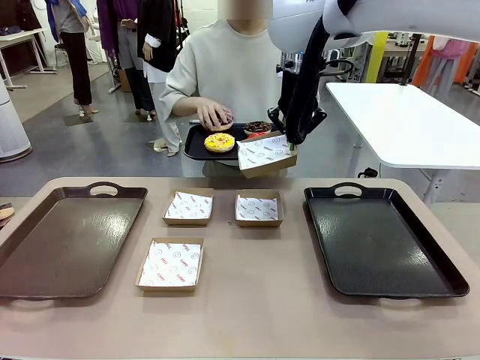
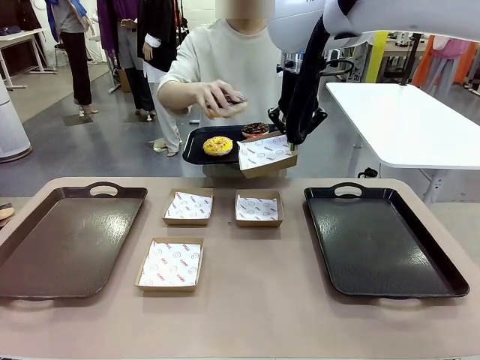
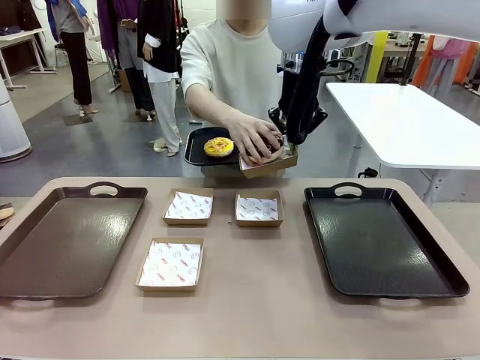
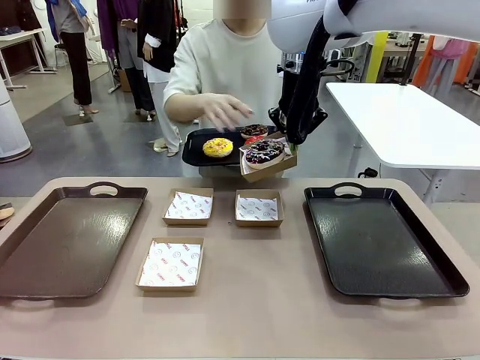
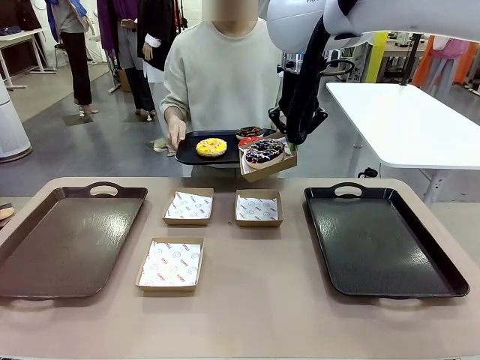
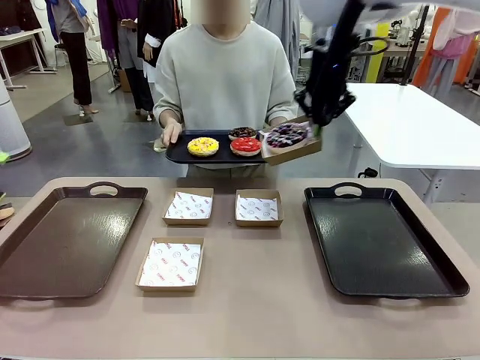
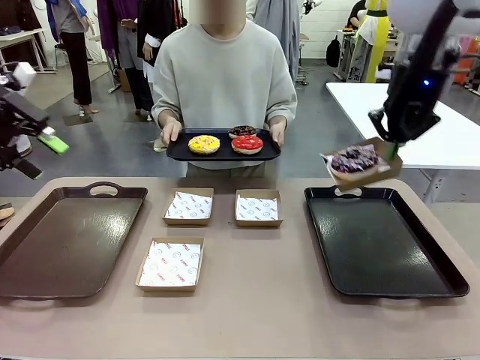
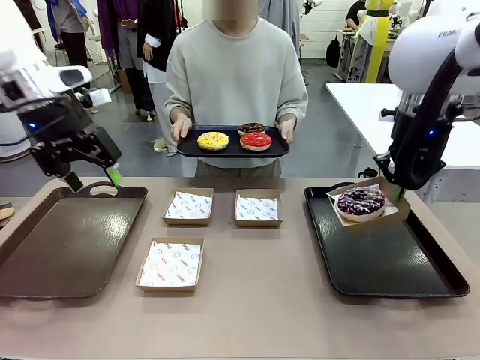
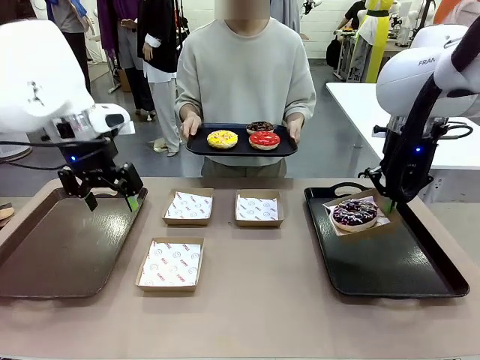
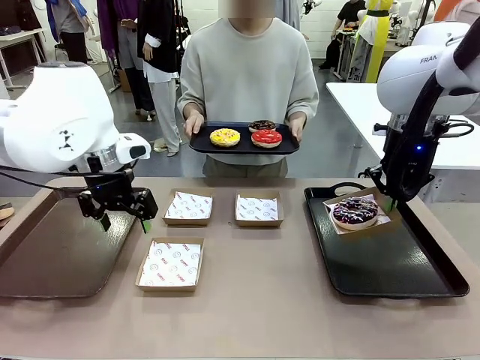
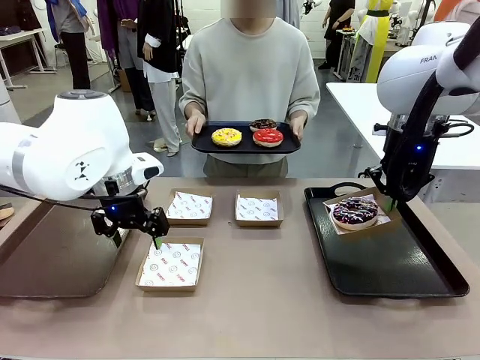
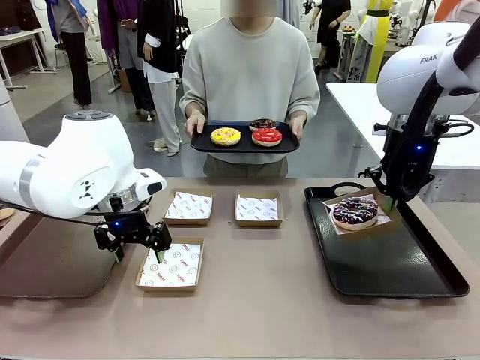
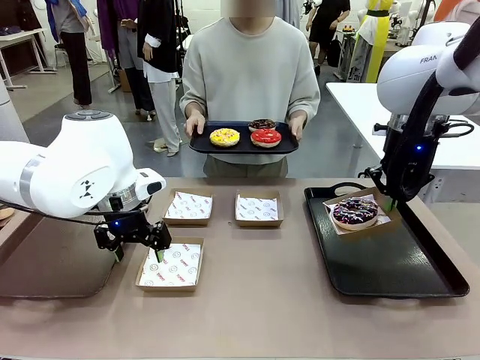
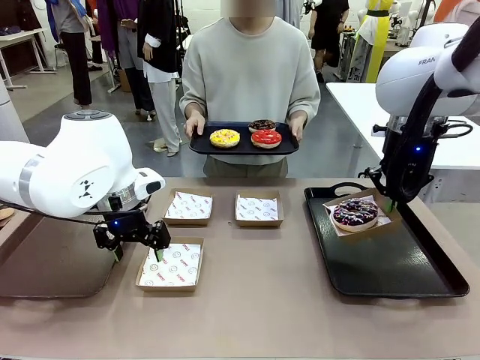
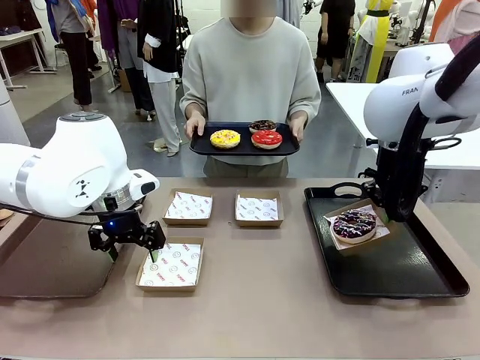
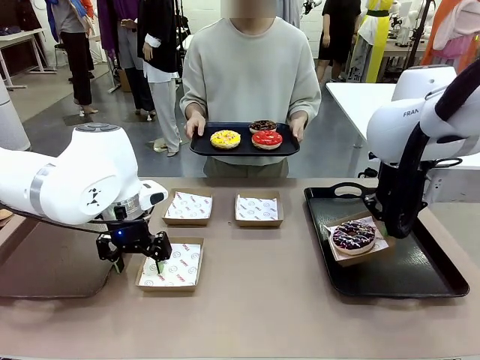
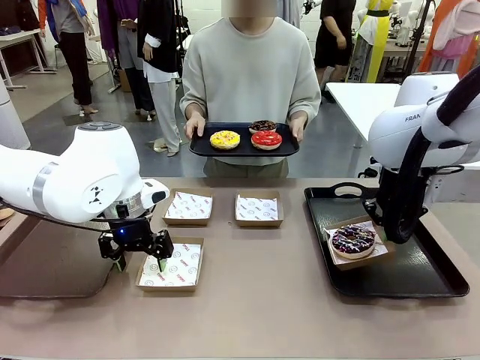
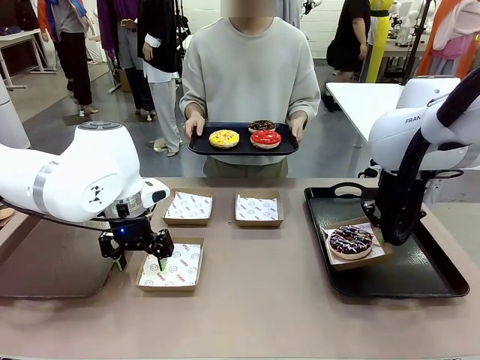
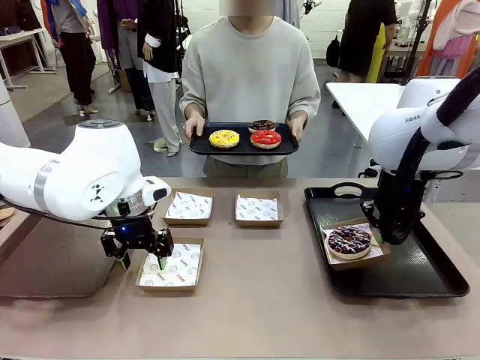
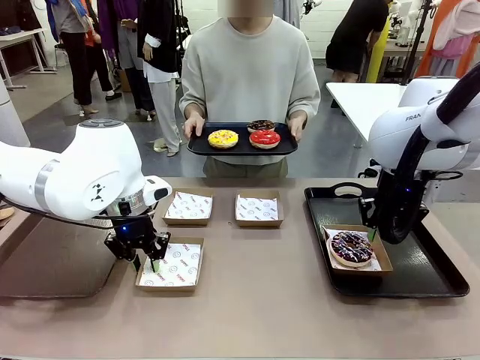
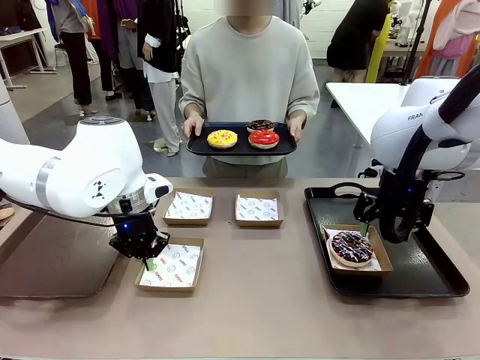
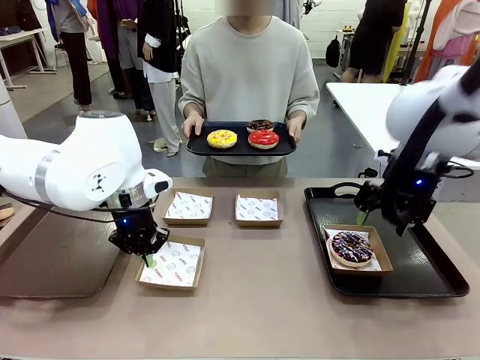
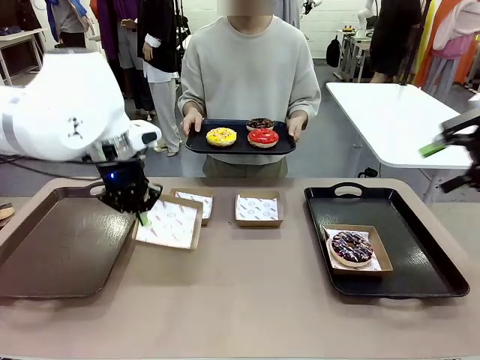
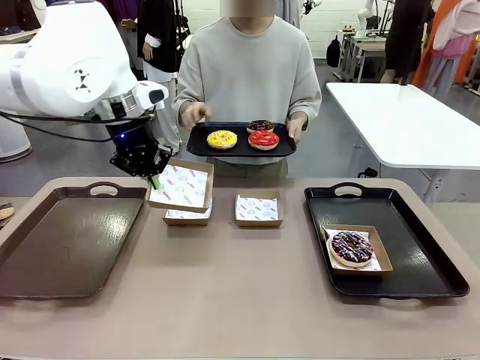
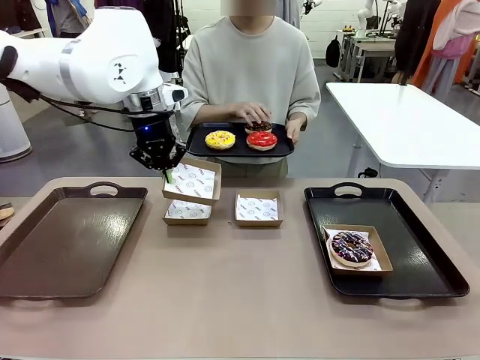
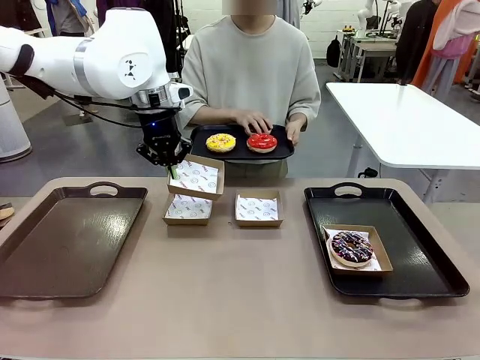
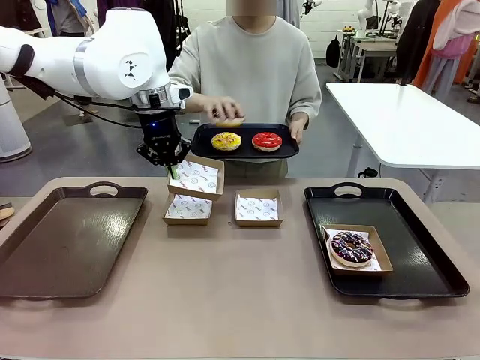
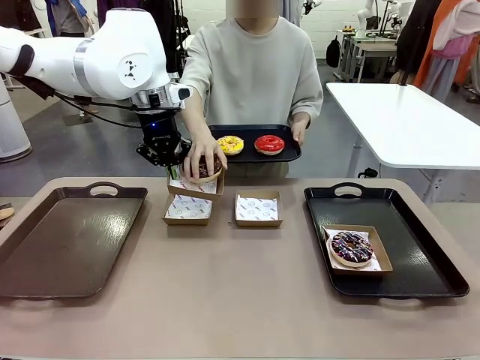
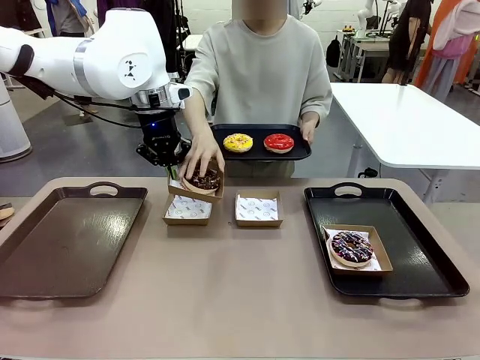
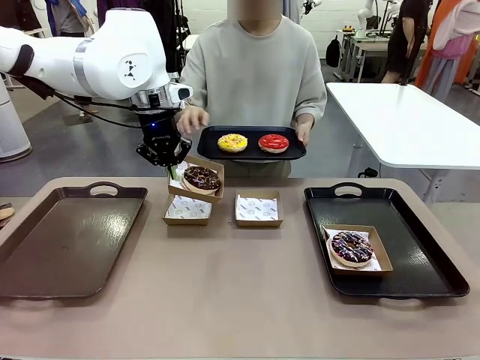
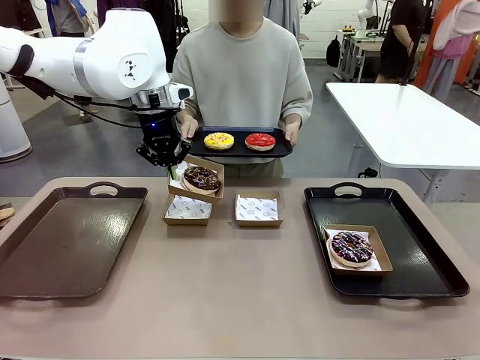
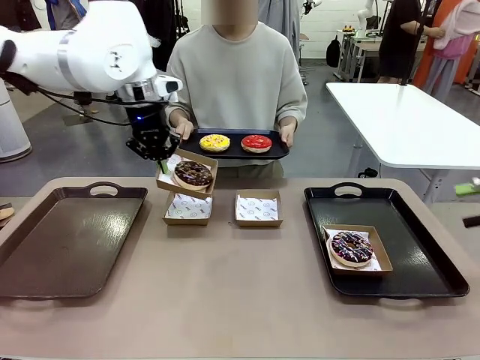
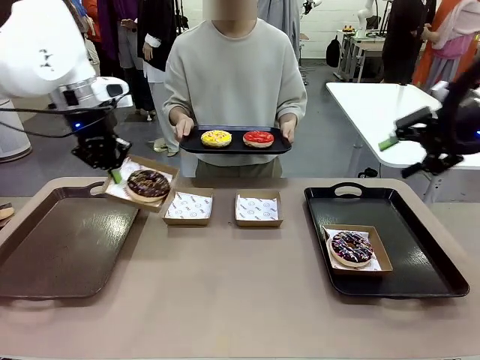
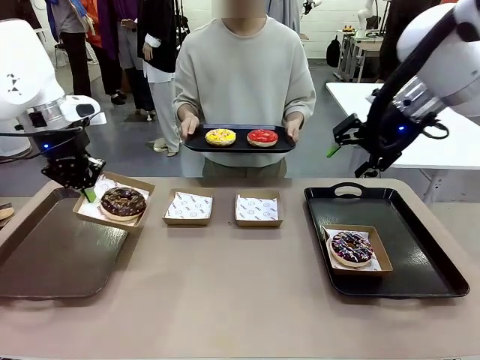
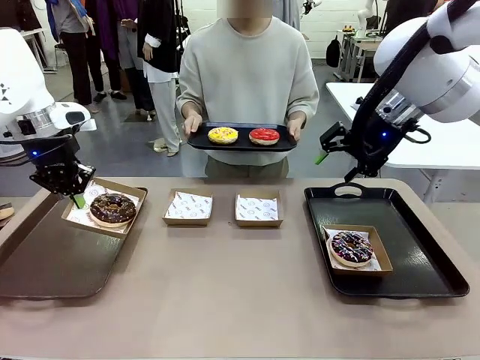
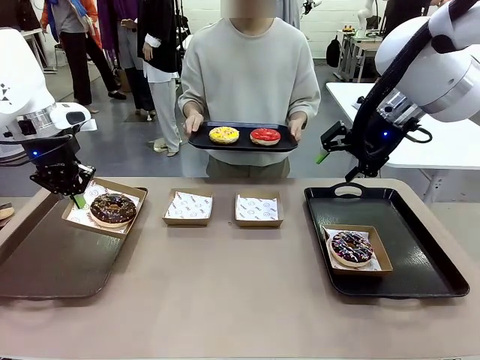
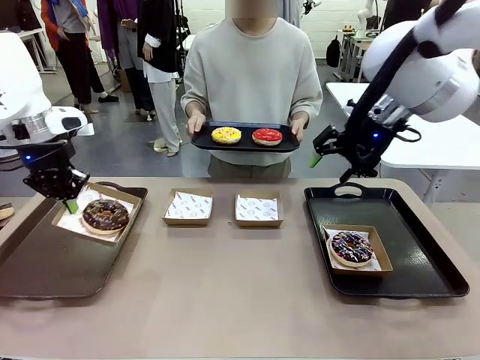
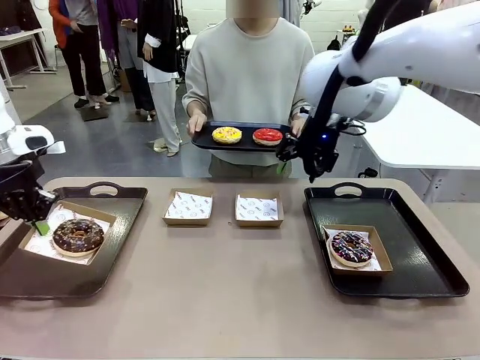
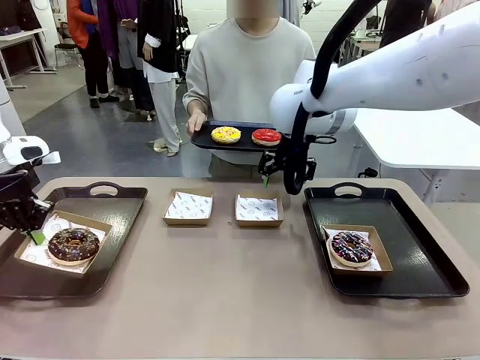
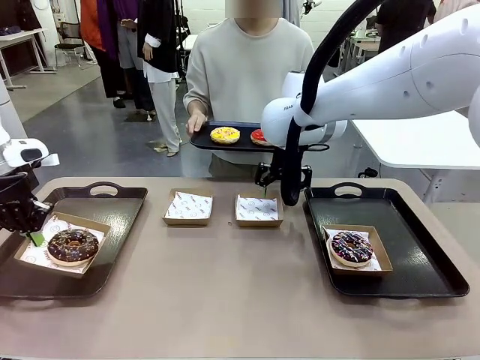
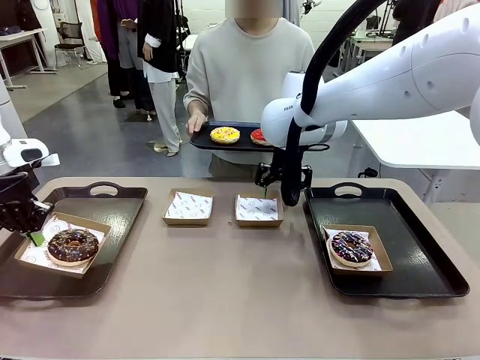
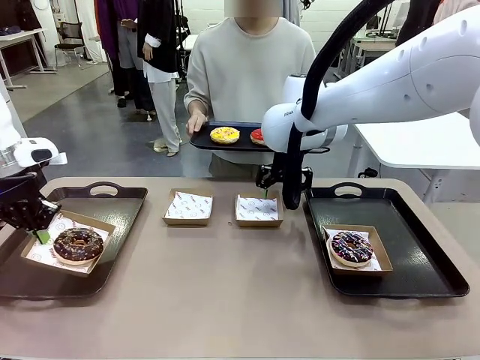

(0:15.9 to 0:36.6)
Task: Individually package the donuts and arrange them on the tray.
Robot: Place the picked Paper togo box on the Handle tray while simultaneously picking up another Paper togo box from the table with the other hand.

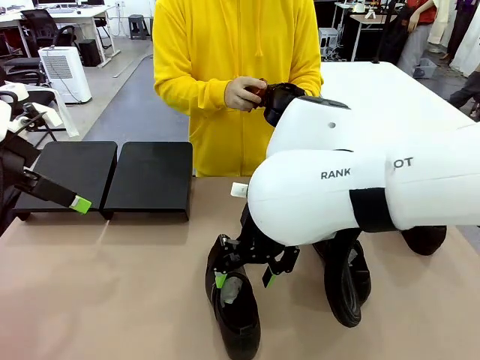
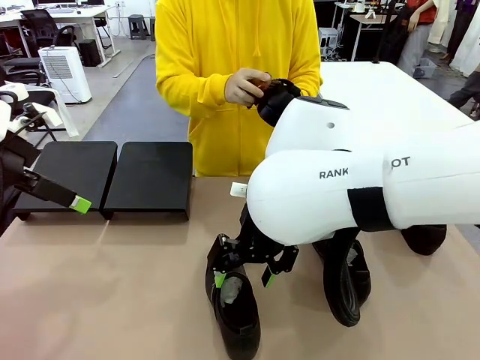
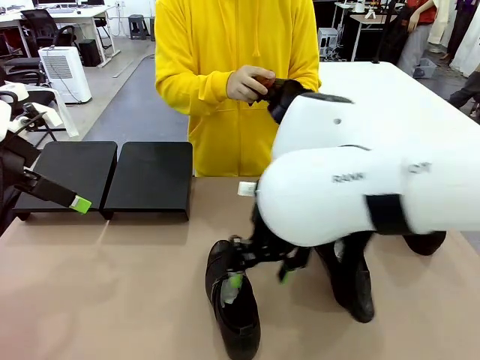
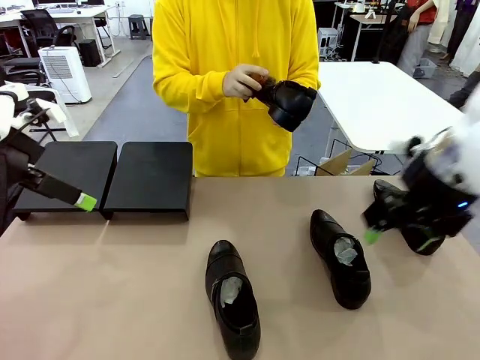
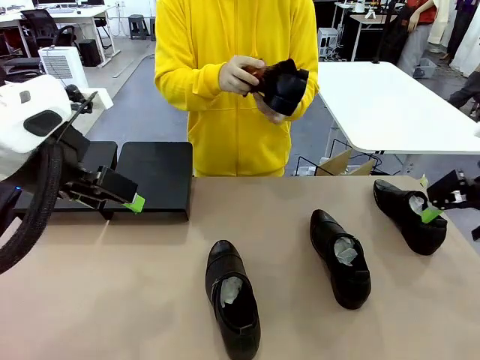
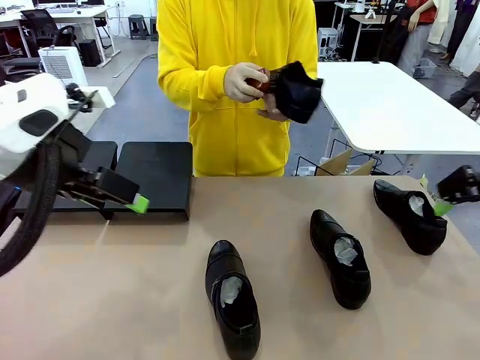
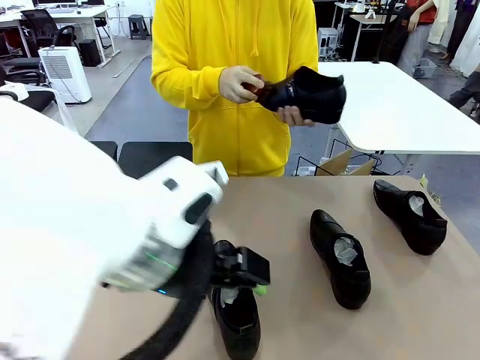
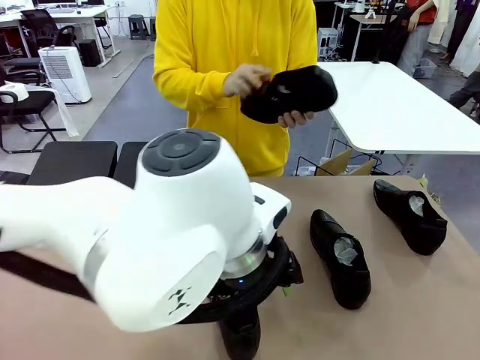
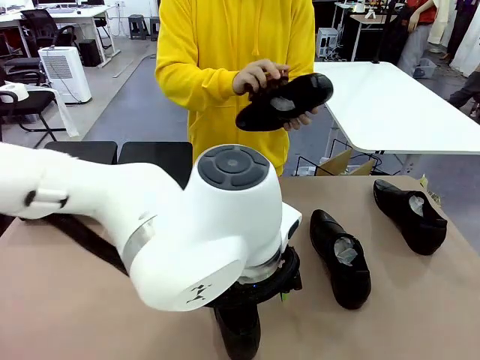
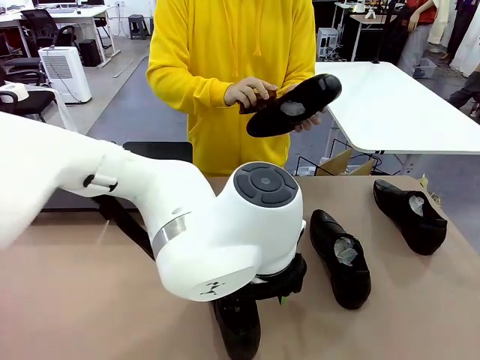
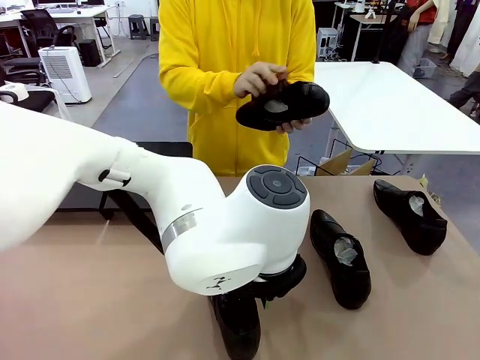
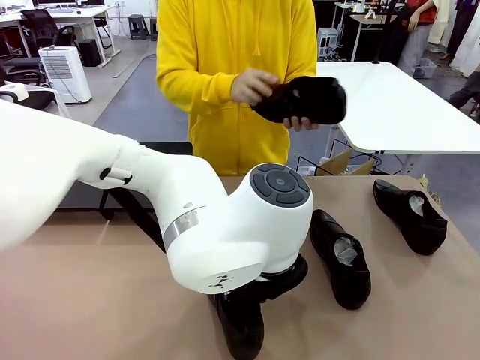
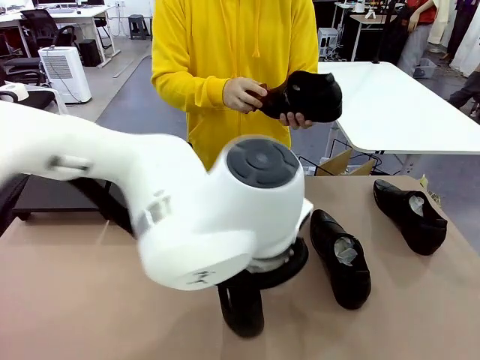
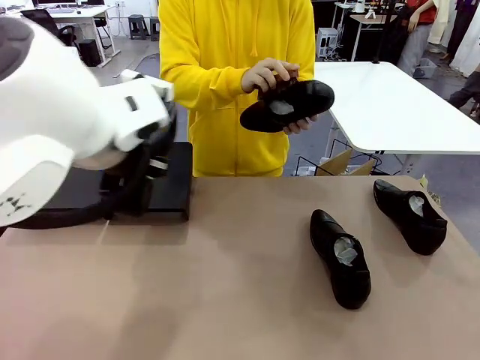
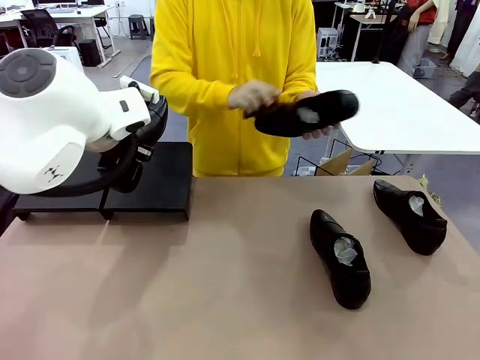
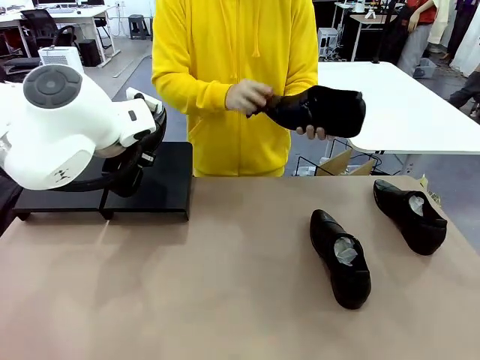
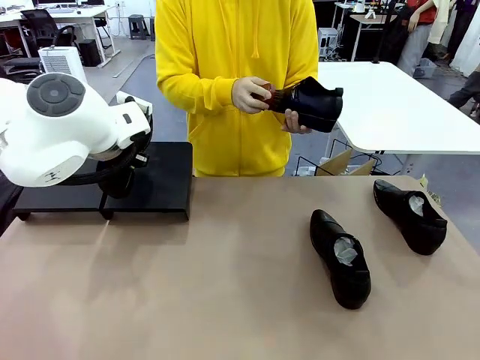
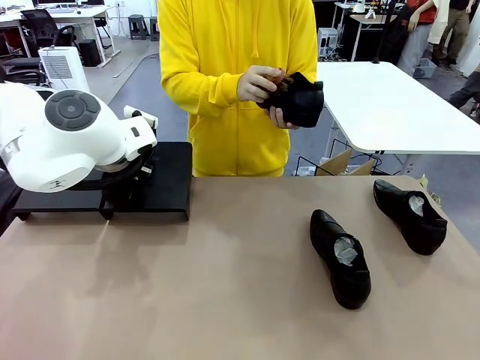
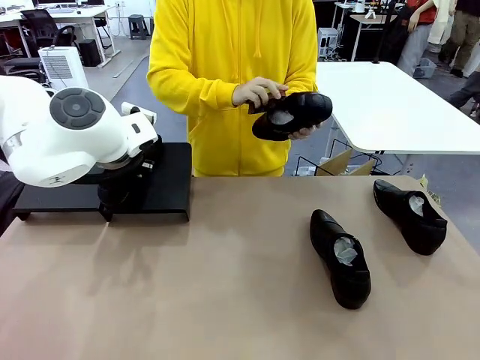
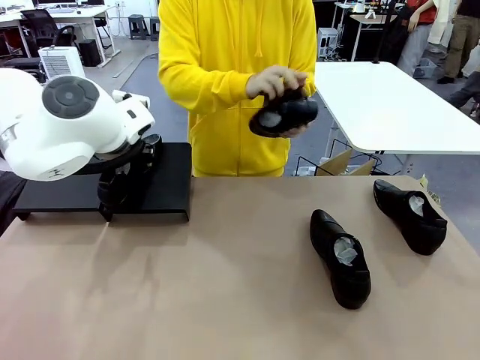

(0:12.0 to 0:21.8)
Task: Organize the shoes by placing them on the stand.
Robot: Place the Shoe from the middle of the table onto the Shoes Stand.
